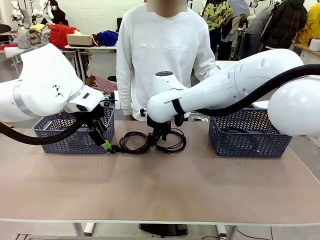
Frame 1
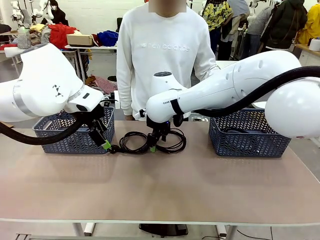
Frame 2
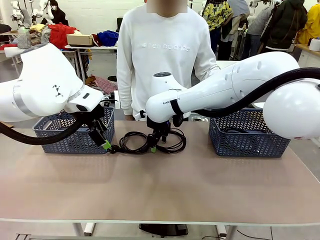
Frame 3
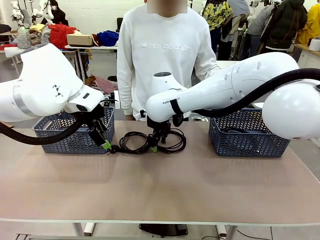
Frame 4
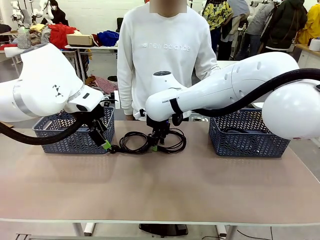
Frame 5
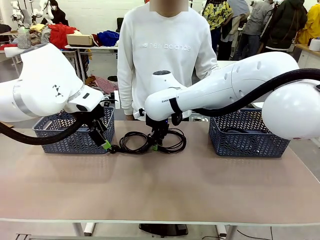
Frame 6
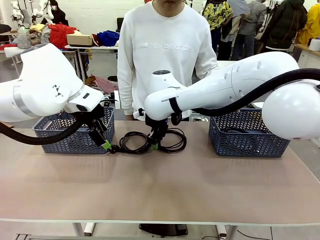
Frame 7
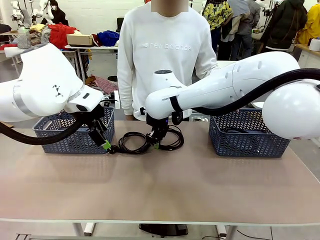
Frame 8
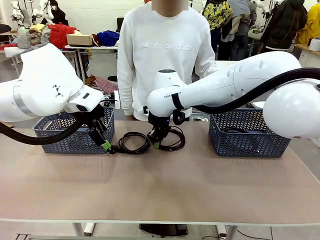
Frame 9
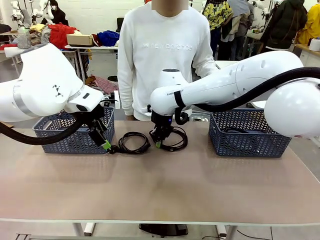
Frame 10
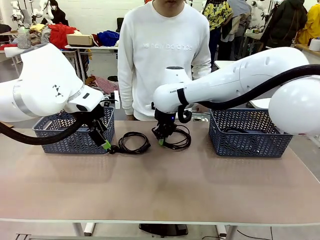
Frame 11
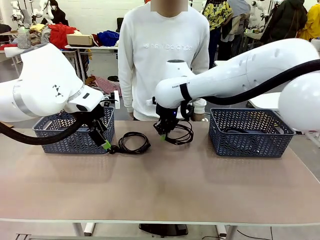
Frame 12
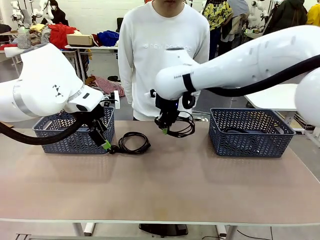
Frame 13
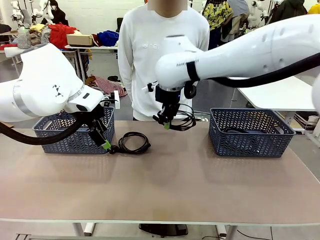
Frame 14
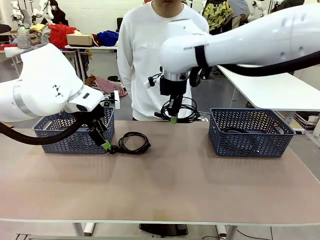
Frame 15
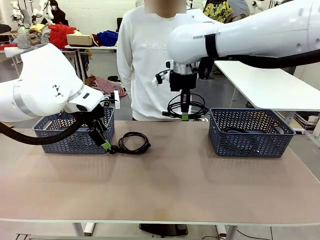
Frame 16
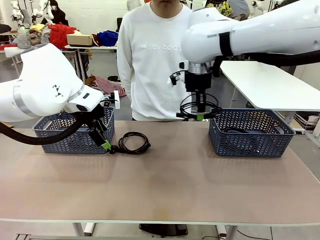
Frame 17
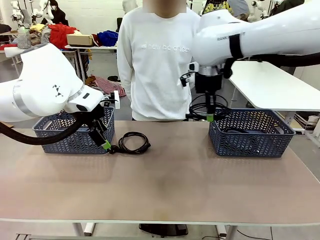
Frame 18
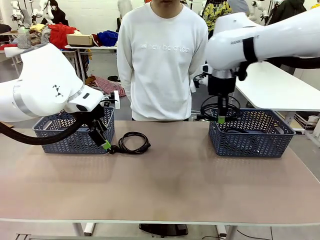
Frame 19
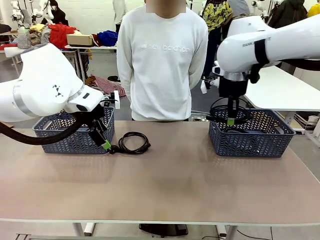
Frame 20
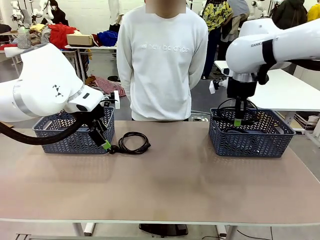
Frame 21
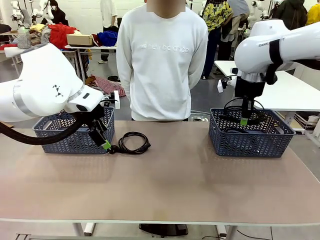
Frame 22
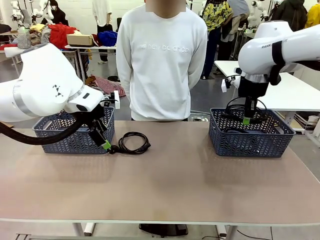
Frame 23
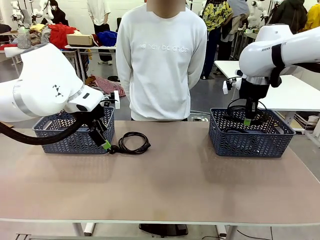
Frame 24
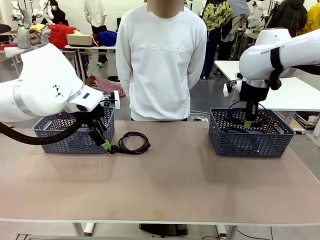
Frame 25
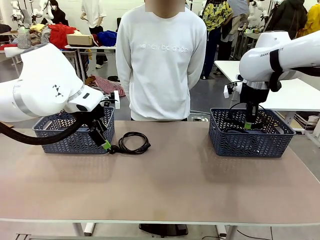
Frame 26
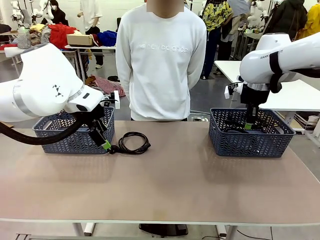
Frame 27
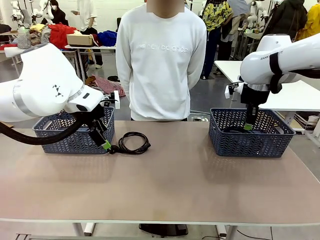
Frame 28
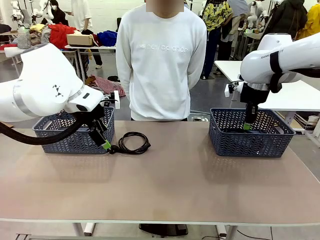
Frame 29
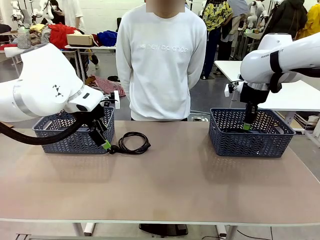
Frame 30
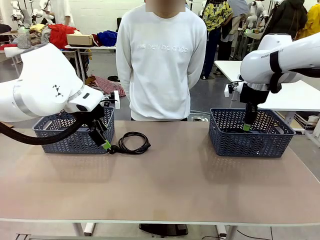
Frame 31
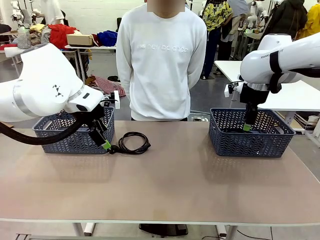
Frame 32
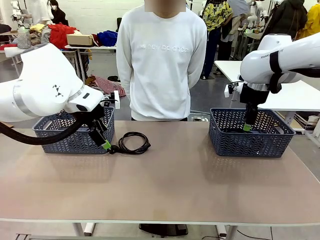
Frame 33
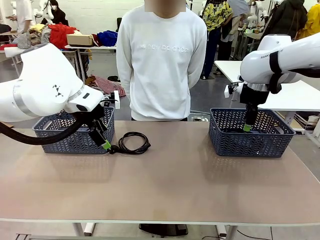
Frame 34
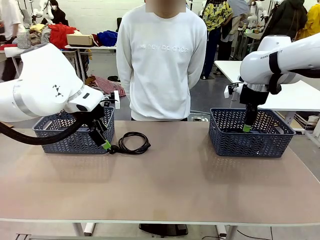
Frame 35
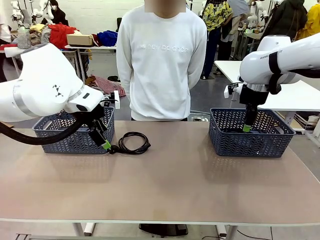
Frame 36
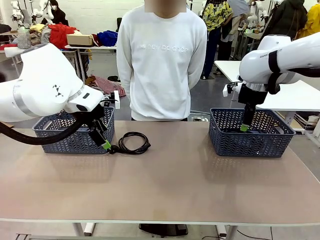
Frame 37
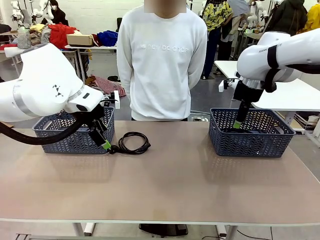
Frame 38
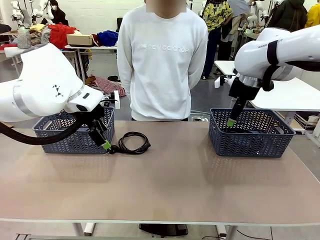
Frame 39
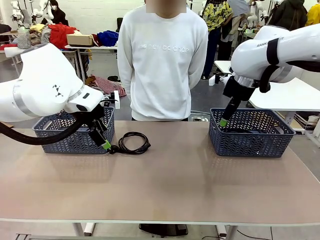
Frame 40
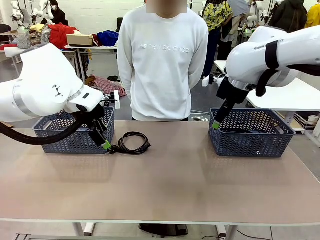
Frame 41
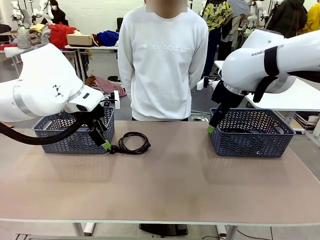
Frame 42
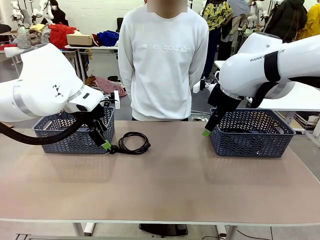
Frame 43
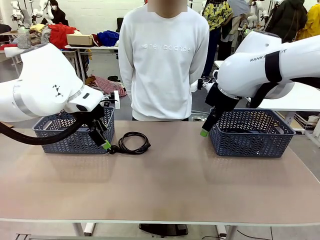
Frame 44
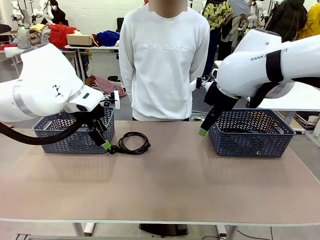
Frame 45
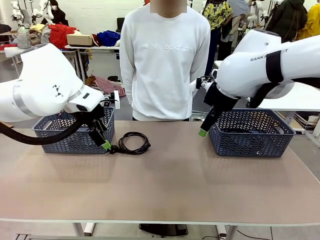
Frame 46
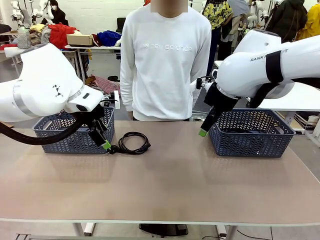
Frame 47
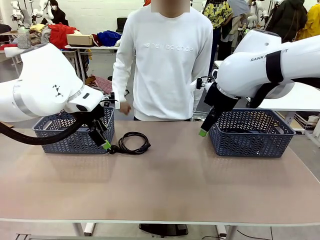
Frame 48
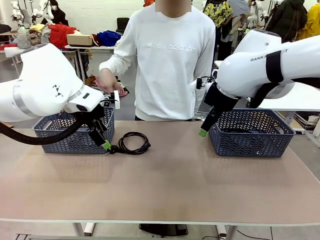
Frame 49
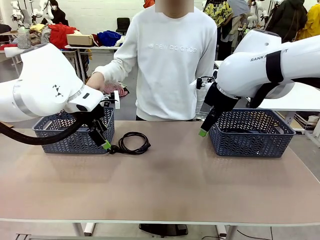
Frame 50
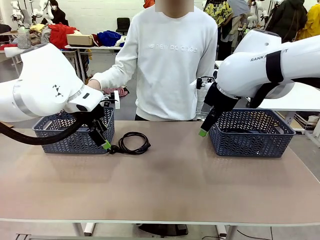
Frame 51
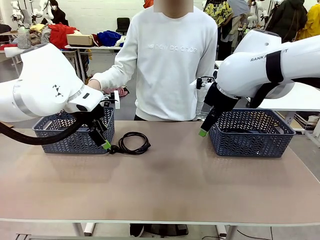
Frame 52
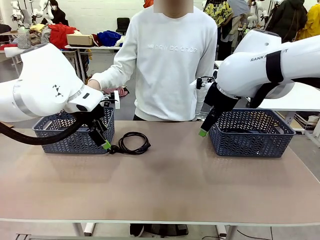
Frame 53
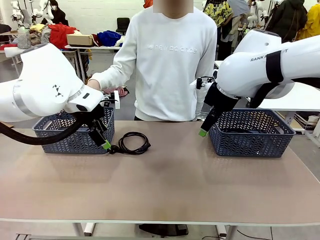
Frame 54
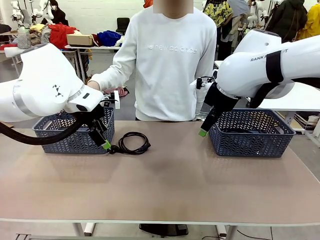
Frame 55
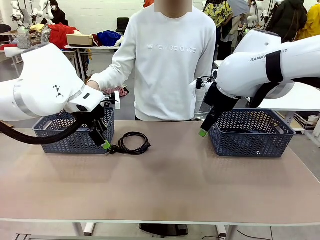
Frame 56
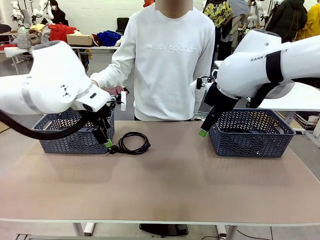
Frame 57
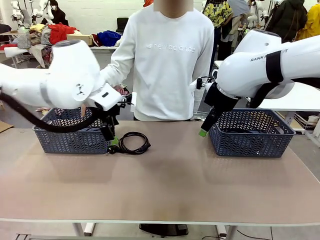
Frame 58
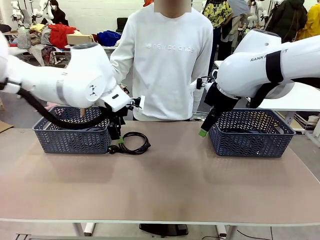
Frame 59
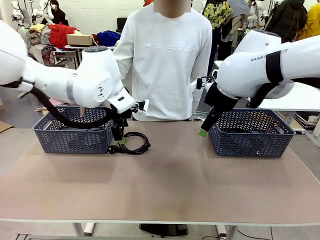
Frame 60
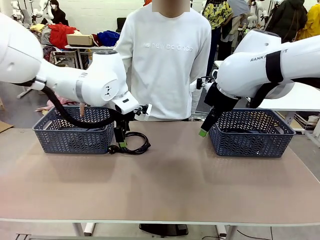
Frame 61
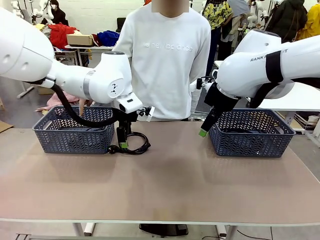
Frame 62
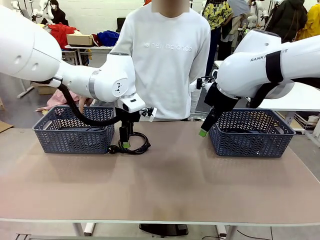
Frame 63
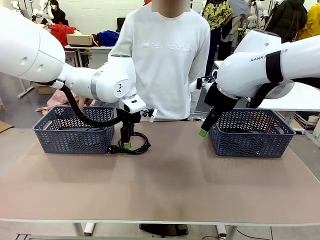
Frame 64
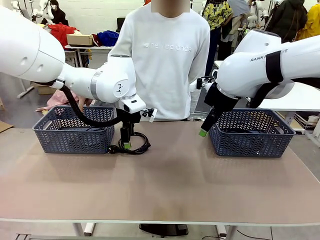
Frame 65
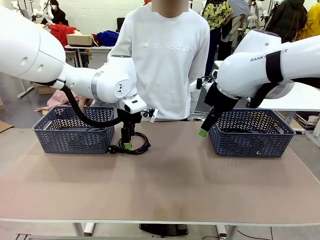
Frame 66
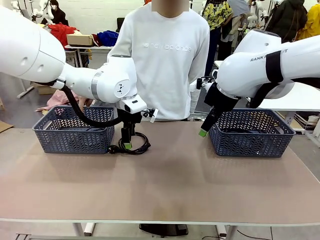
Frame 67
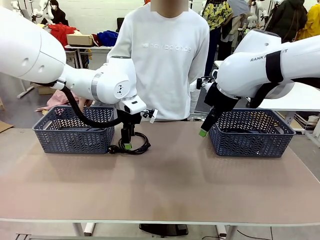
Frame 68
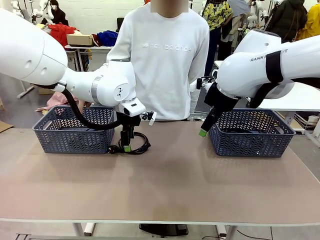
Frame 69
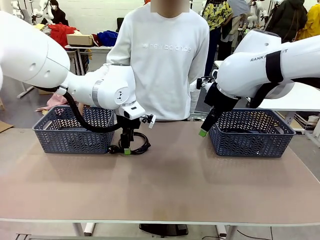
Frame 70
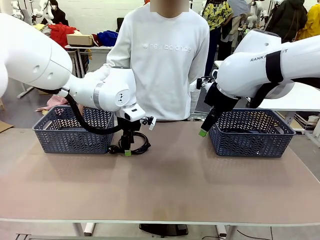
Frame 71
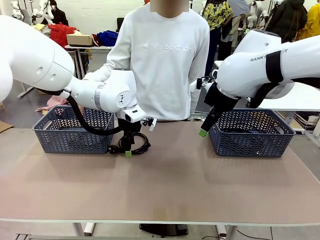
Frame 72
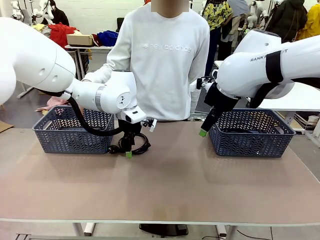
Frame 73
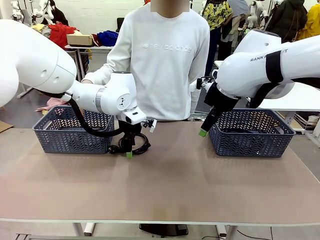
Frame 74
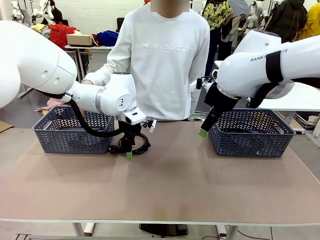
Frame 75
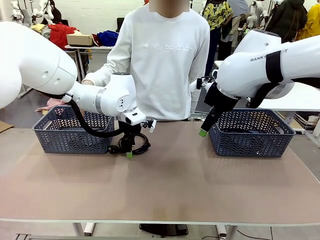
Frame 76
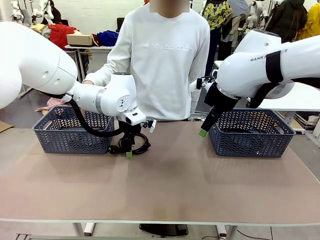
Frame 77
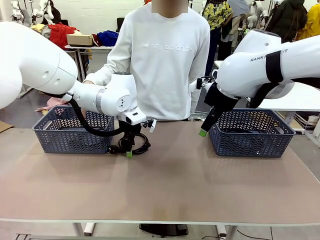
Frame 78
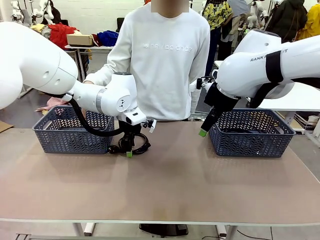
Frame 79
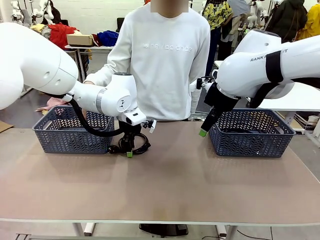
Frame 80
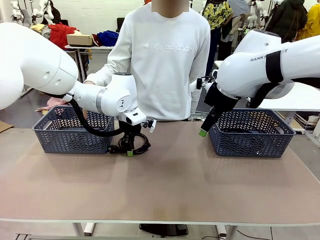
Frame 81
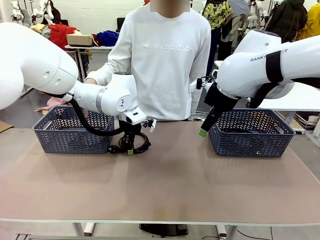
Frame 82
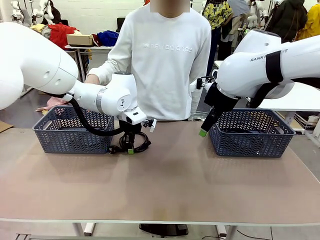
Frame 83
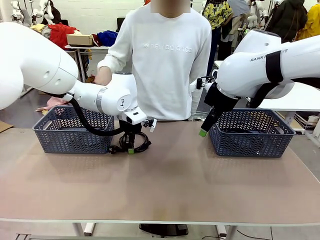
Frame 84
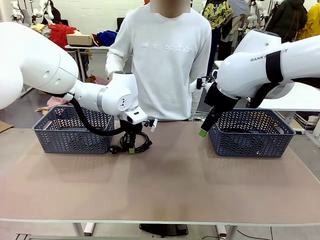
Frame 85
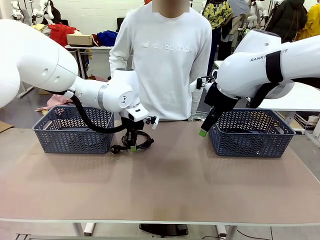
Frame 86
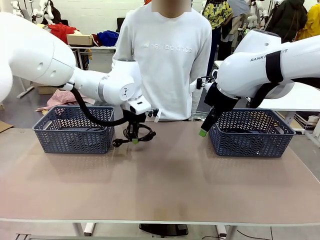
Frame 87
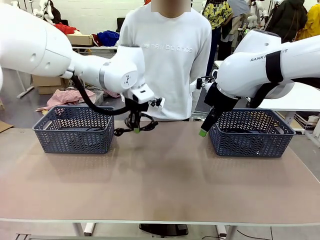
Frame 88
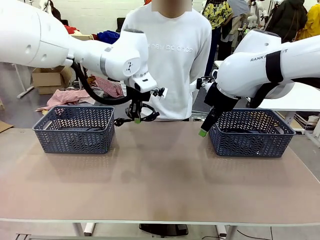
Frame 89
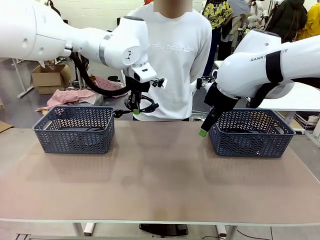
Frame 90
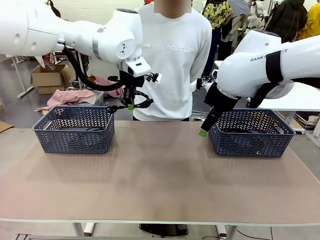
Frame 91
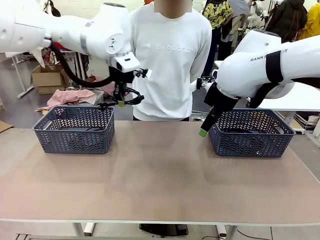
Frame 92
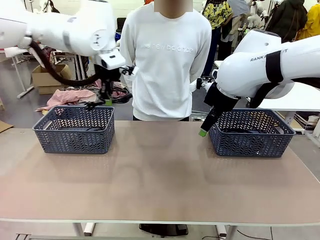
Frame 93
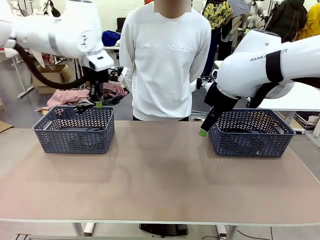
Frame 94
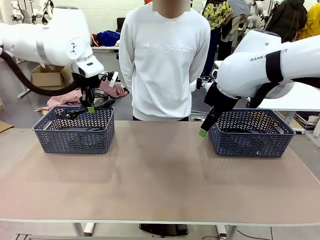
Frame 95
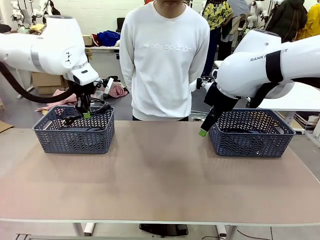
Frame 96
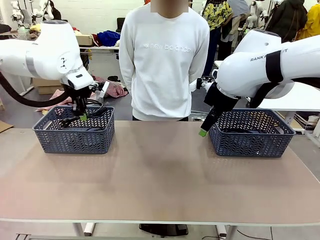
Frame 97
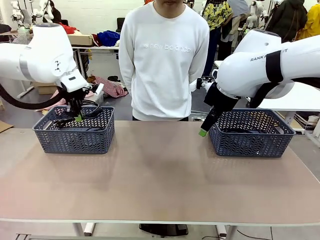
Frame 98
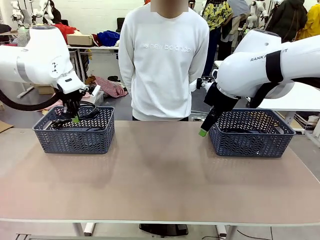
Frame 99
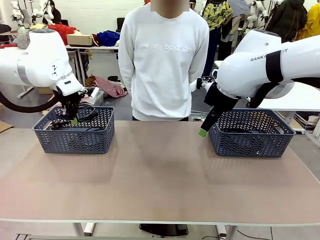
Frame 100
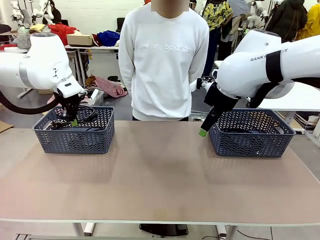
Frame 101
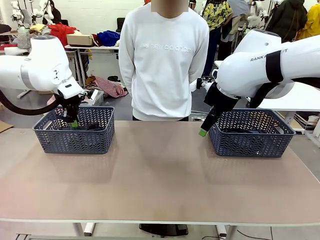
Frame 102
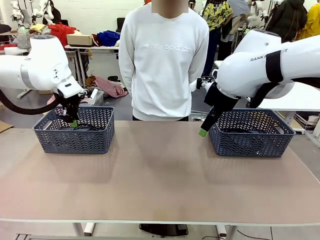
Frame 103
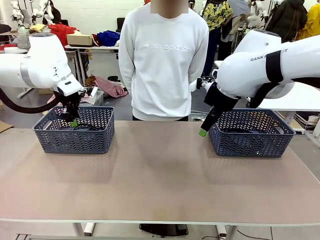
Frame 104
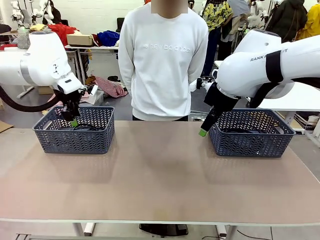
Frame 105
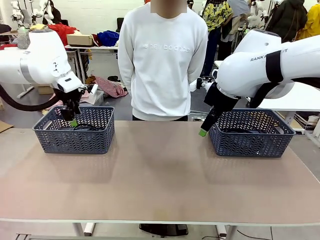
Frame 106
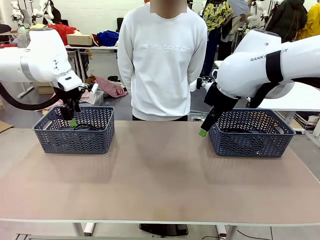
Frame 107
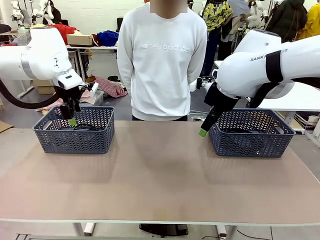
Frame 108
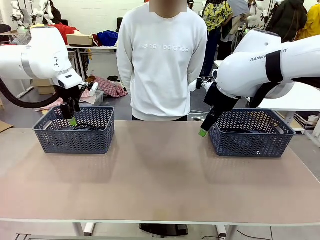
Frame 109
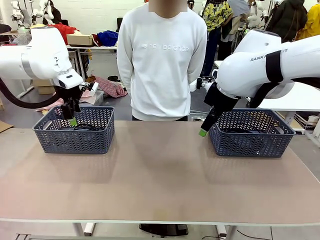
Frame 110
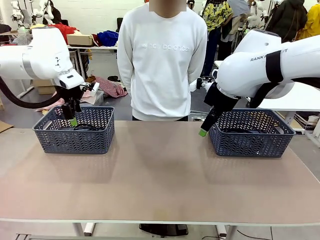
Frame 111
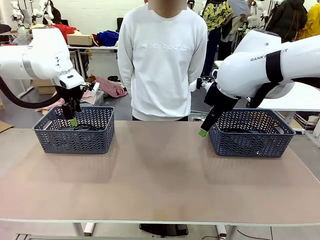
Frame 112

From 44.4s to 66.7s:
Task: Organize the cables according to human instructions.
Robot: Pick up a bundle of cables and place it in the basket indicated by the human.
